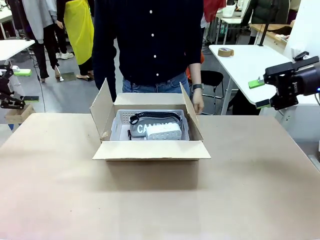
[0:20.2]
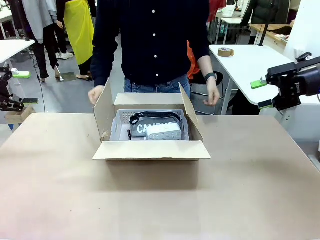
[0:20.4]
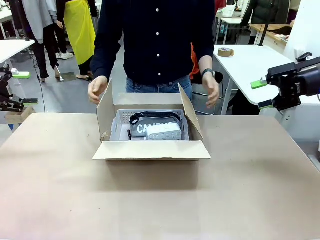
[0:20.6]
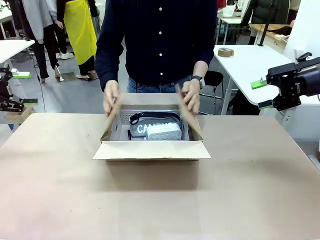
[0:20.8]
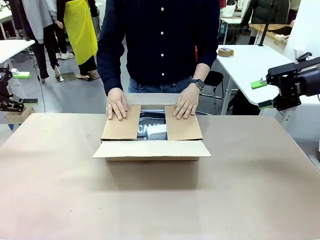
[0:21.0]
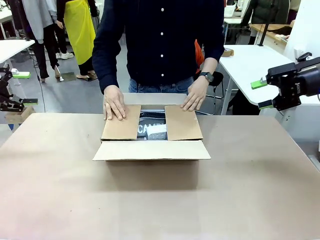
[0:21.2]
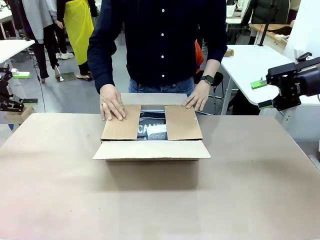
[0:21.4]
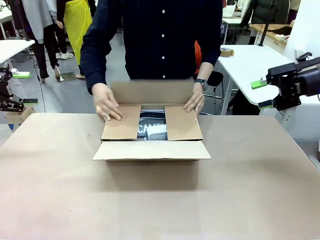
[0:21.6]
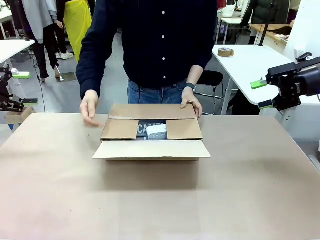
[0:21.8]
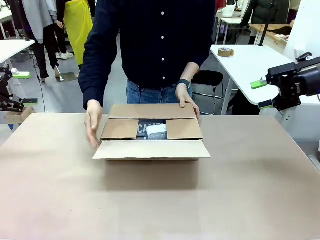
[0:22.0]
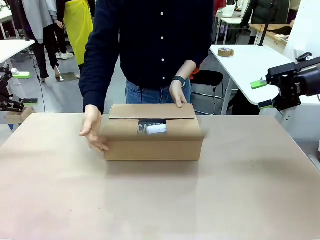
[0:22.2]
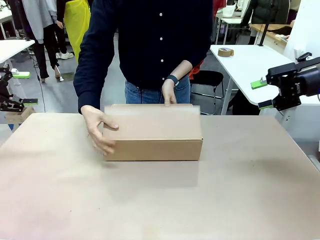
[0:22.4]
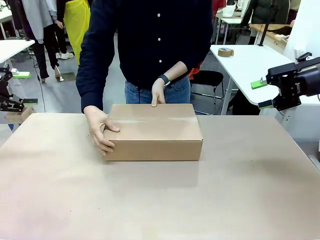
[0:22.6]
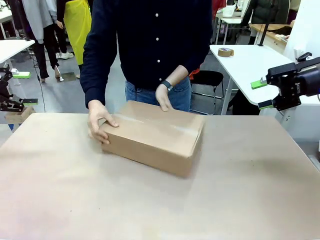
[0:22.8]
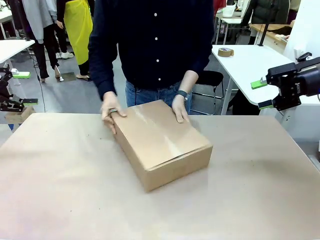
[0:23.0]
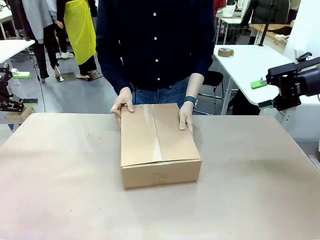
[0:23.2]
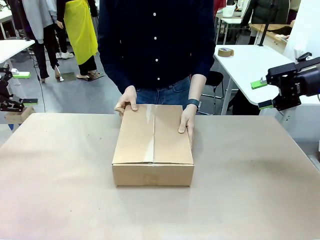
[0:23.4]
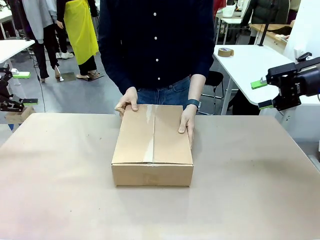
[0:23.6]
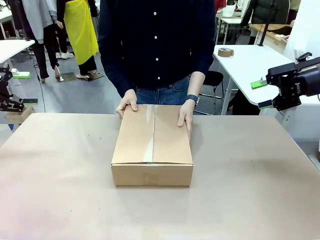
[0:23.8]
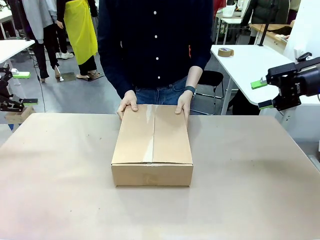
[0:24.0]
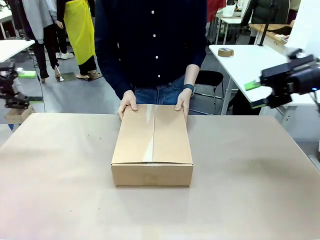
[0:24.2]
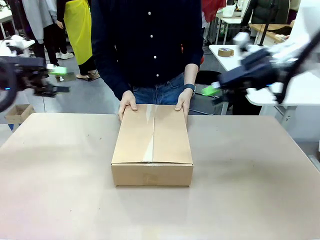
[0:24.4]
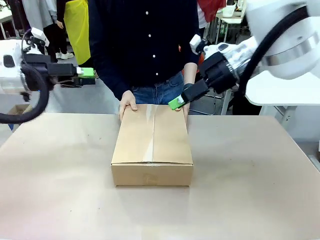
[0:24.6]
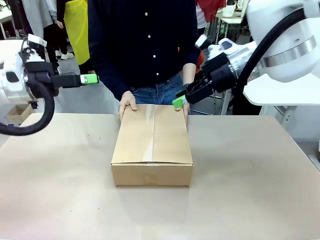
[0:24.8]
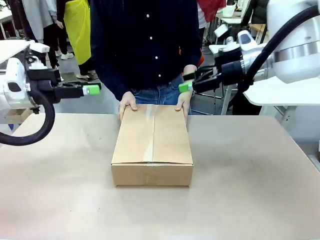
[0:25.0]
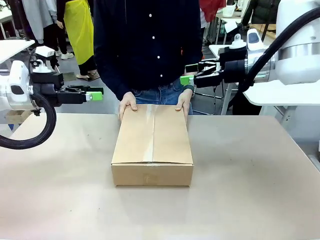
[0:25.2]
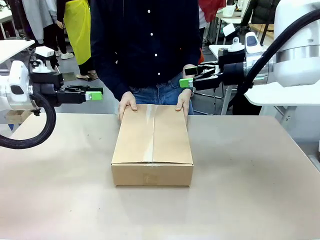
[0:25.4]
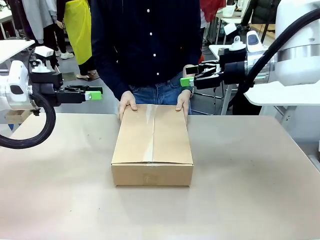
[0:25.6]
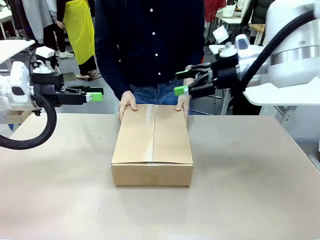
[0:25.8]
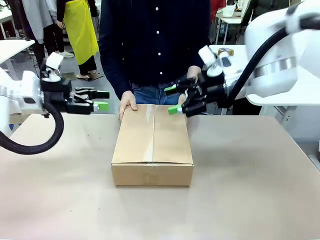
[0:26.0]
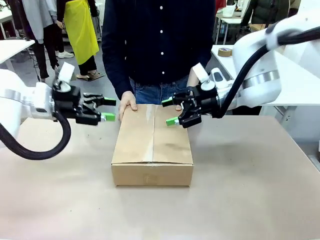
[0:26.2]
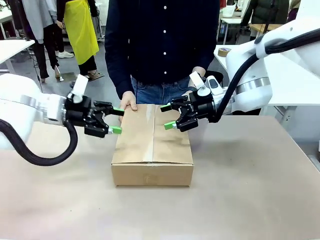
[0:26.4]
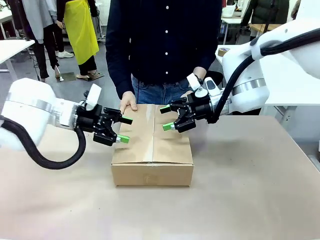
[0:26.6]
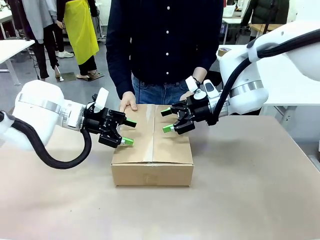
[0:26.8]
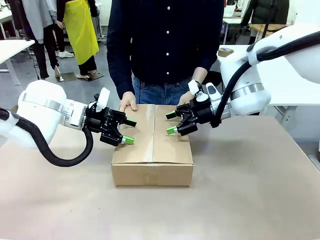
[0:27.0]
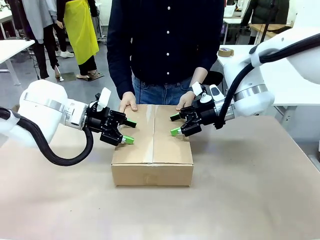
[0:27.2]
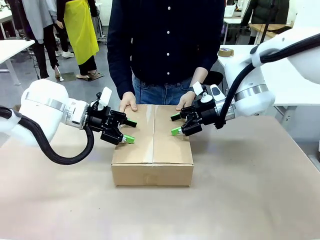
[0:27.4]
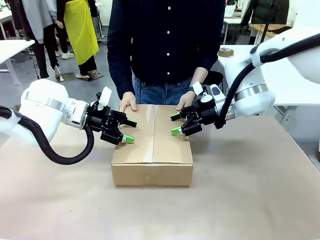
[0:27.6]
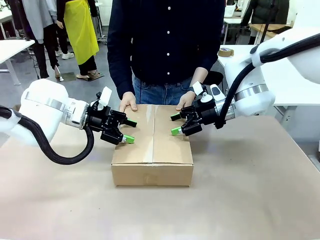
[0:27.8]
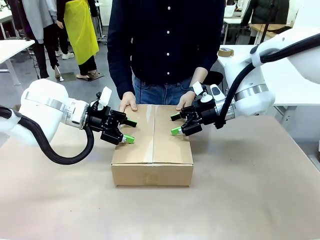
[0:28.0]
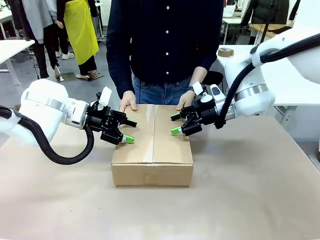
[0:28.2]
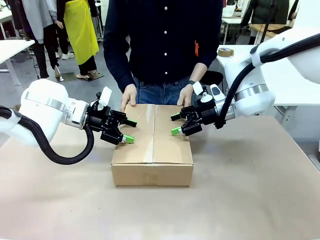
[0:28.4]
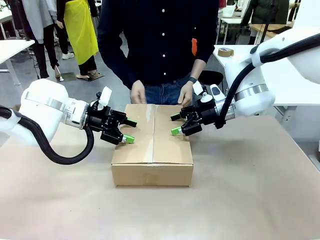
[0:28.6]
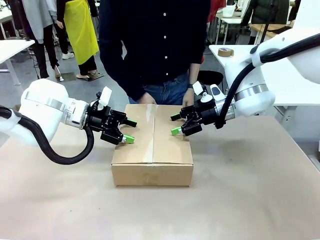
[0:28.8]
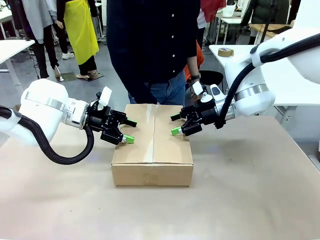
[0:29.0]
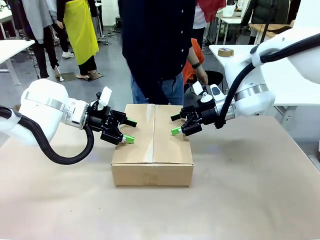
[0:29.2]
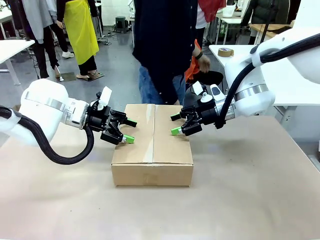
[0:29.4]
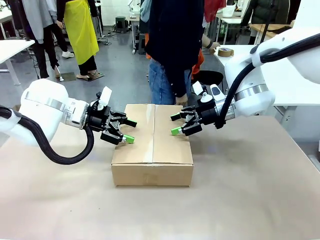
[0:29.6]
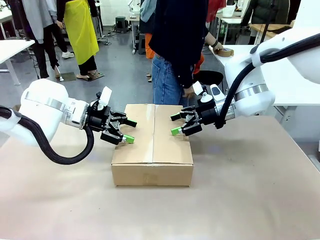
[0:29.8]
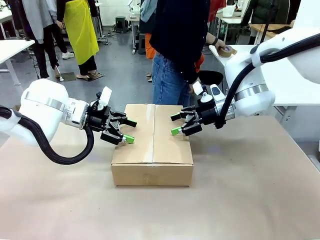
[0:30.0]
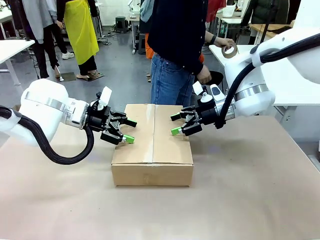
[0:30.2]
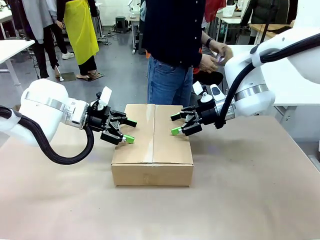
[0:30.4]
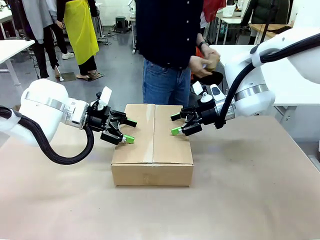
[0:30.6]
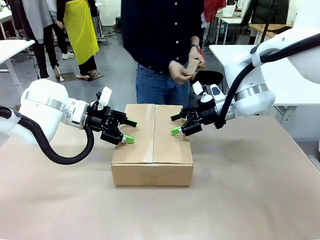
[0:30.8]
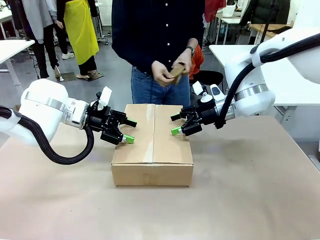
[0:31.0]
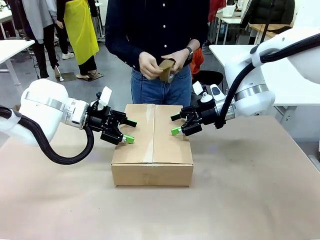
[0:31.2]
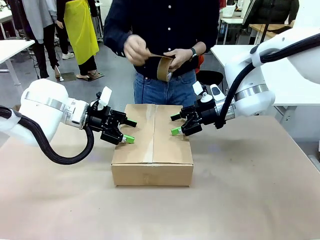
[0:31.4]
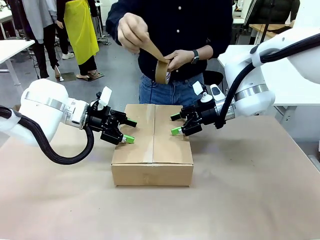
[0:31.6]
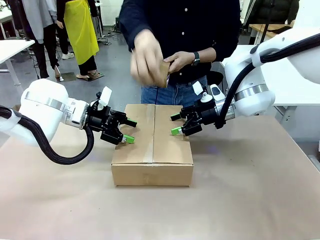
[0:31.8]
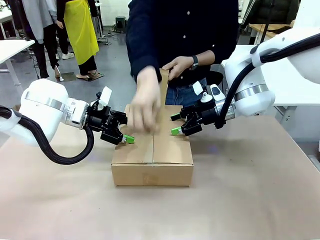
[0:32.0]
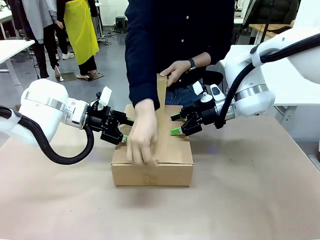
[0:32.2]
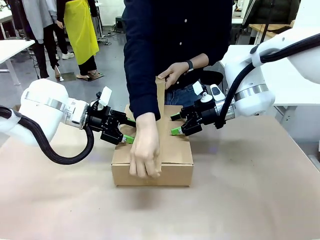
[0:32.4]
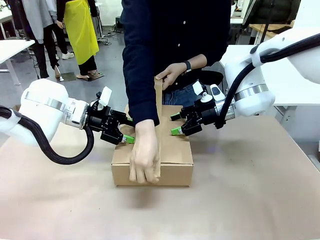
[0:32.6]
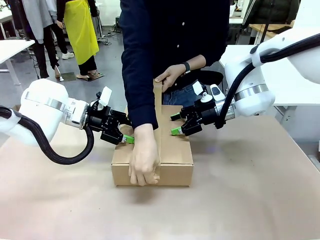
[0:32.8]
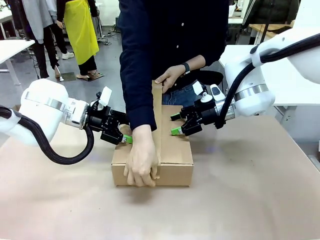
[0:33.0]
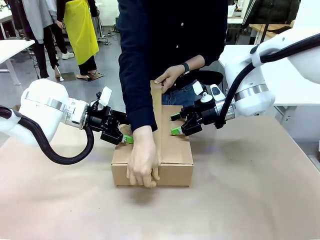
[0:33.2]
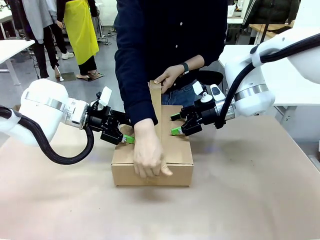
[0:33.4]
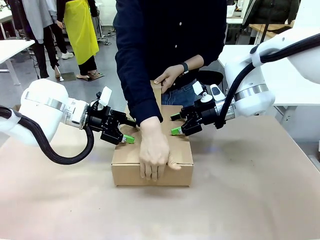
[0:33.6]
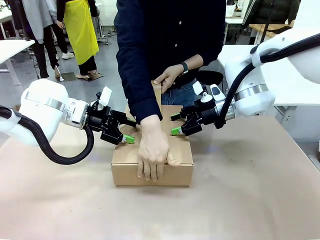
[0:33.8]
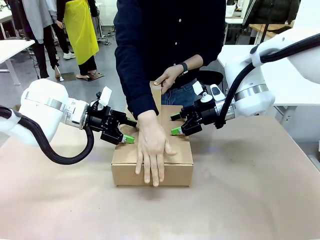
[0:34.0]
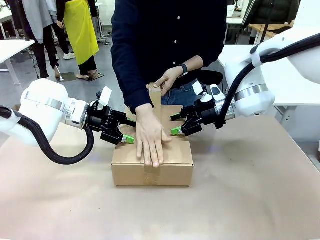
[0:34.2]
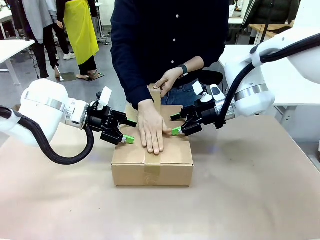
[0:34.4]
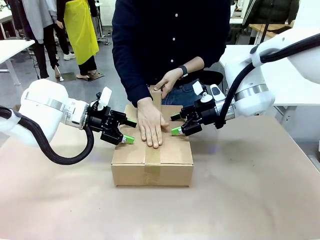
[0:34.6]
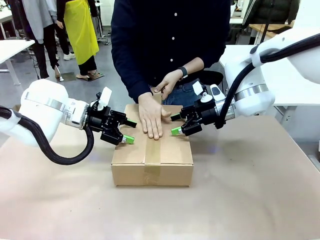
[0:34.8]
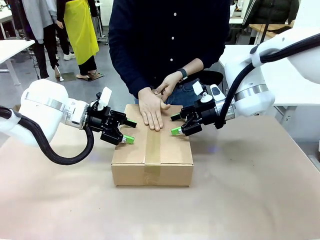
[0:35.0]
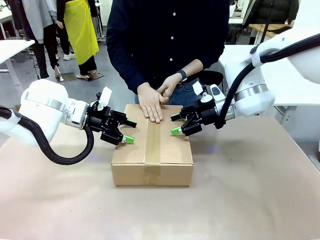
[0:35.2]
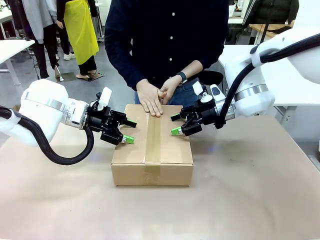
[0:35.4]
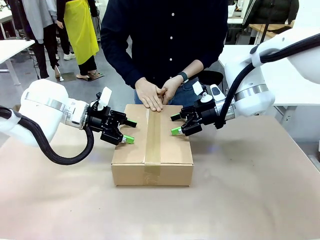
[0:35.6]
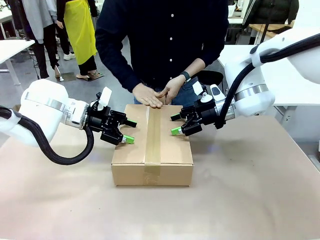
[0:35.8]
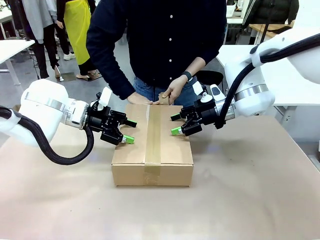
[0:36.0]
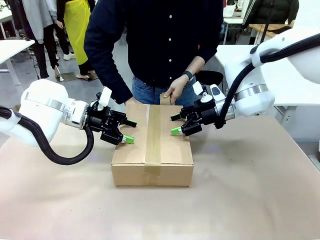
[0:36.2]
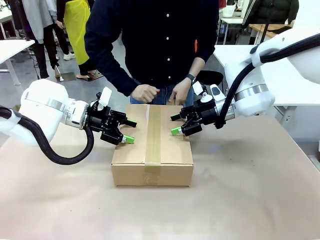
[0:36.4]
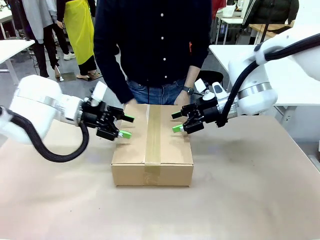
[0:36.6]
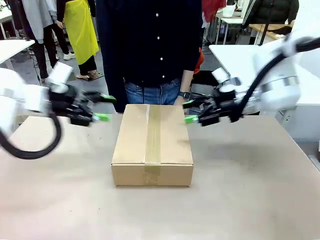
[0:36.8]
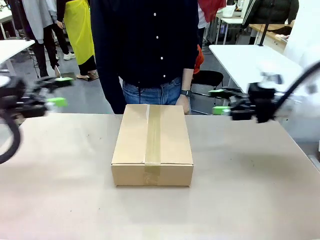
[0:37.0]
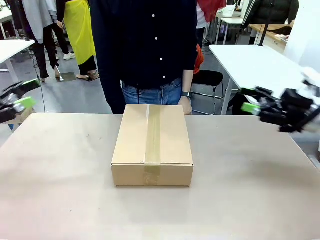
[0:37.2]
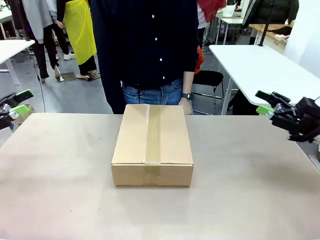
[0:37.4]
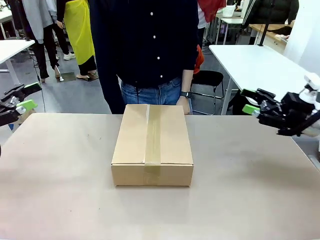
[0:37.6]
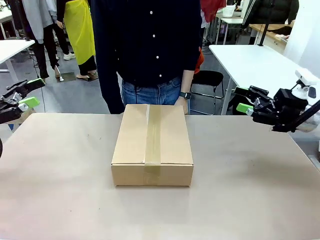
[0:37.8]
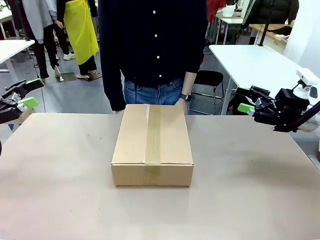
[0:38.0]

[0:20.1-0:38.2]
Task: Pack the gift set into the box.
Robot: Press and hold the closed box until the human finishes sealing it.
Person: The human closes the box and rotates the box by 90 degrees. The human picks up the paper tape from the human table and packs the box.
